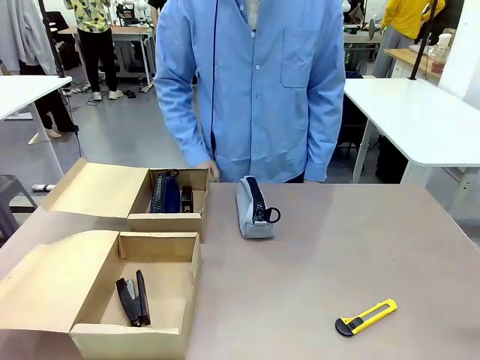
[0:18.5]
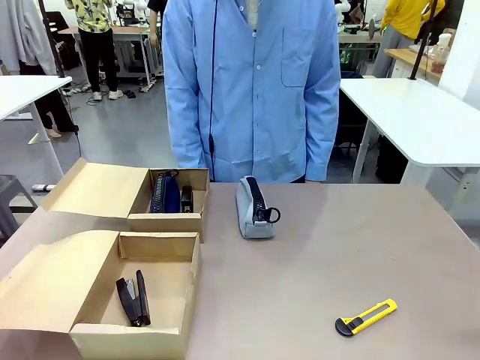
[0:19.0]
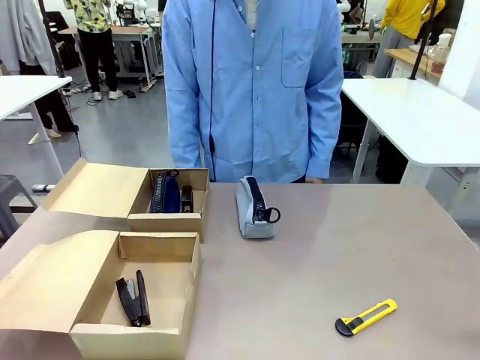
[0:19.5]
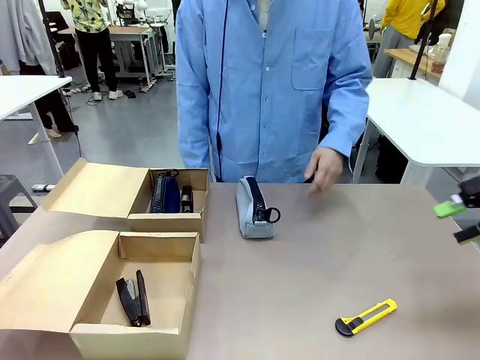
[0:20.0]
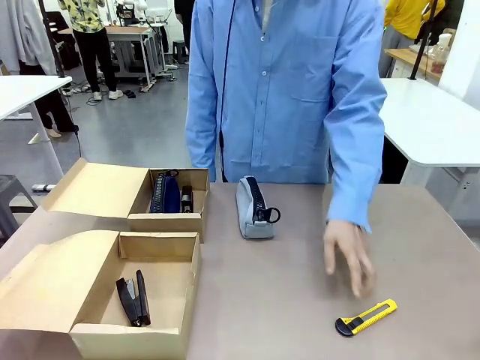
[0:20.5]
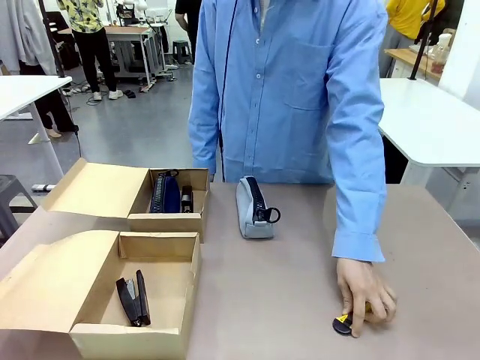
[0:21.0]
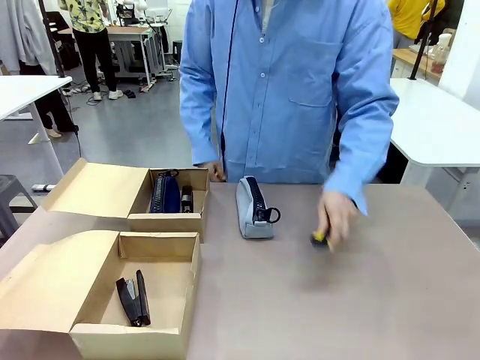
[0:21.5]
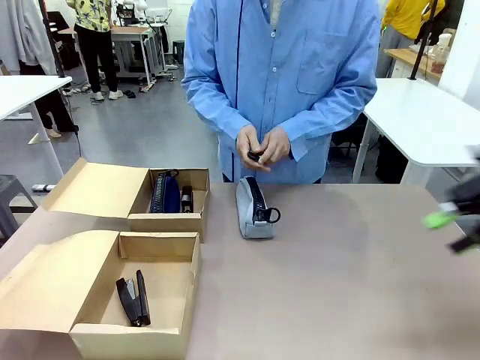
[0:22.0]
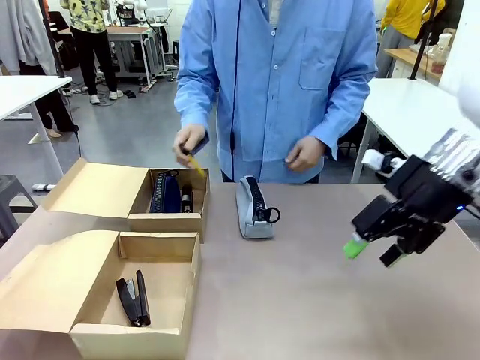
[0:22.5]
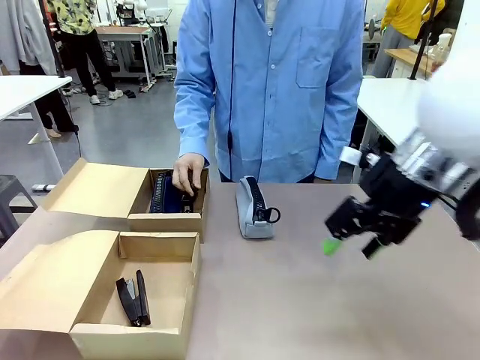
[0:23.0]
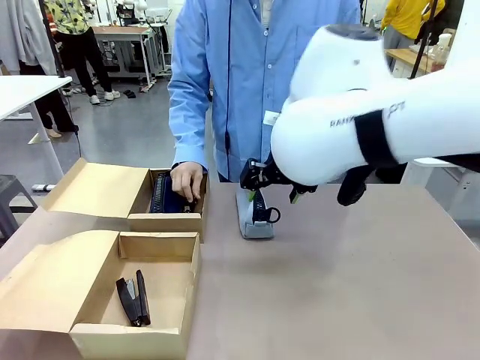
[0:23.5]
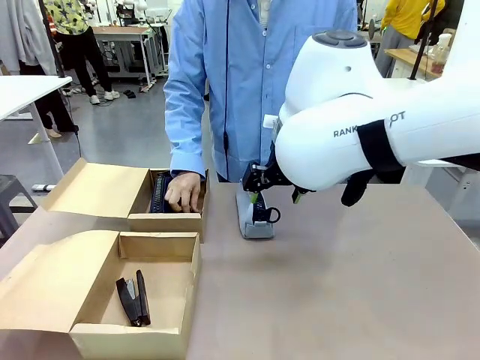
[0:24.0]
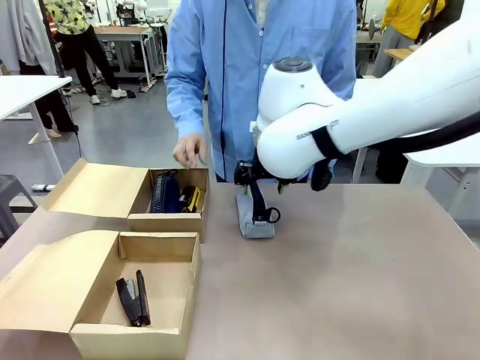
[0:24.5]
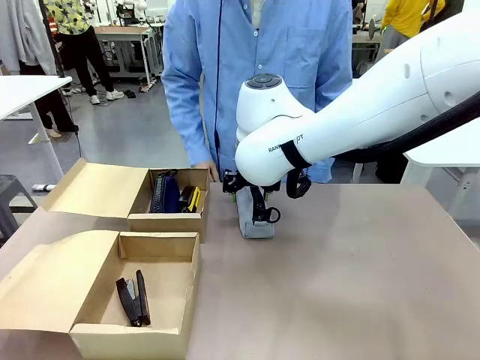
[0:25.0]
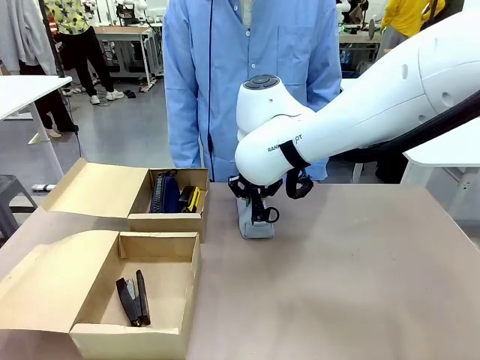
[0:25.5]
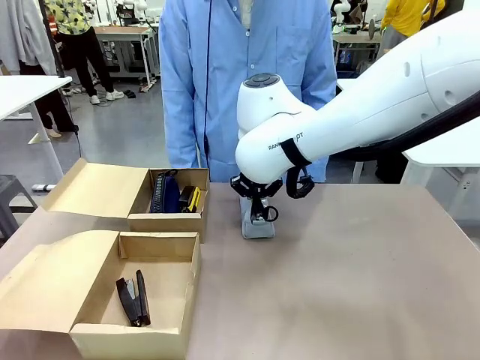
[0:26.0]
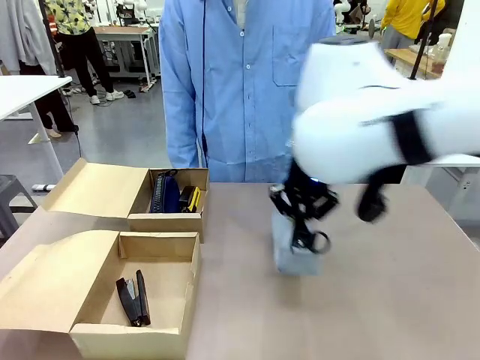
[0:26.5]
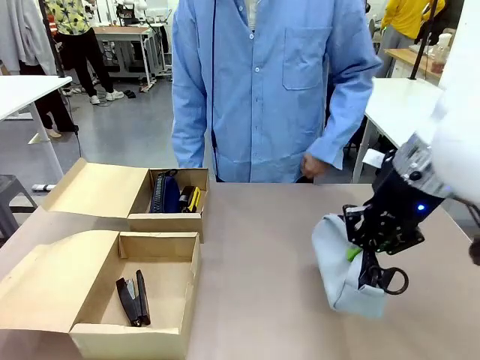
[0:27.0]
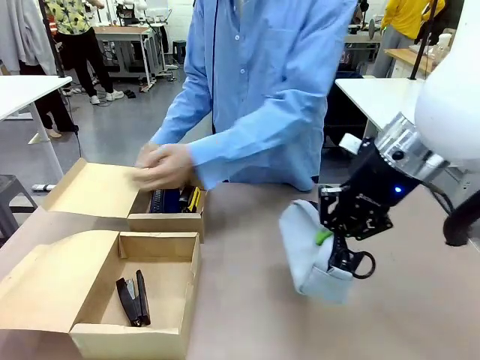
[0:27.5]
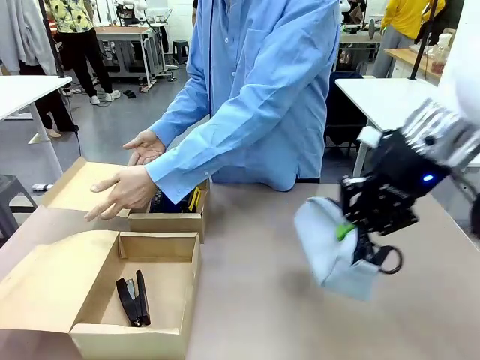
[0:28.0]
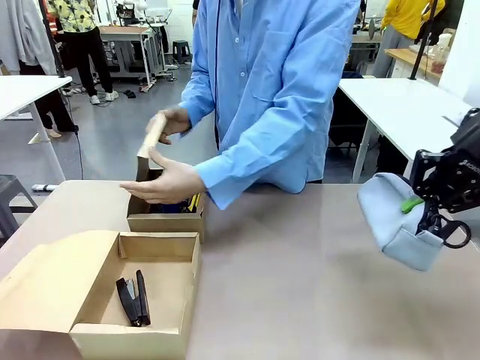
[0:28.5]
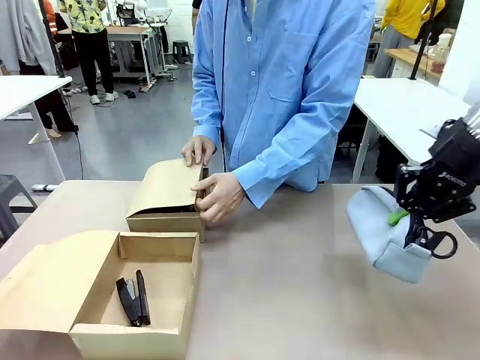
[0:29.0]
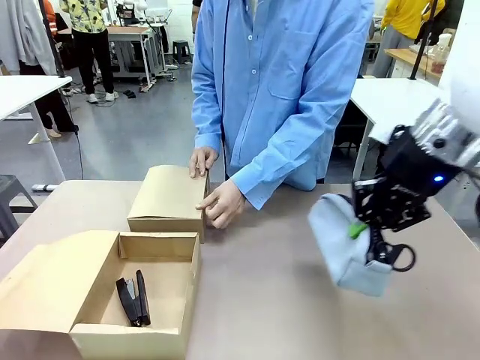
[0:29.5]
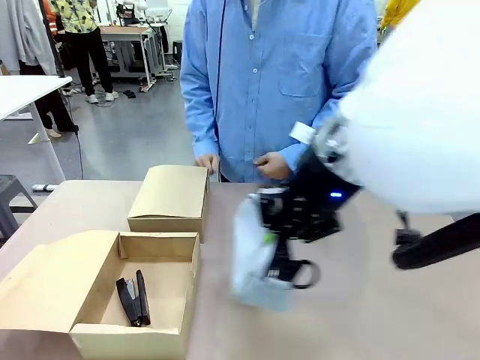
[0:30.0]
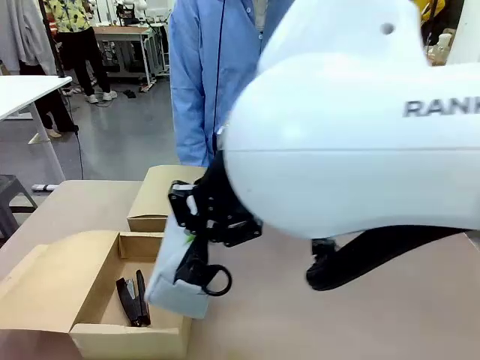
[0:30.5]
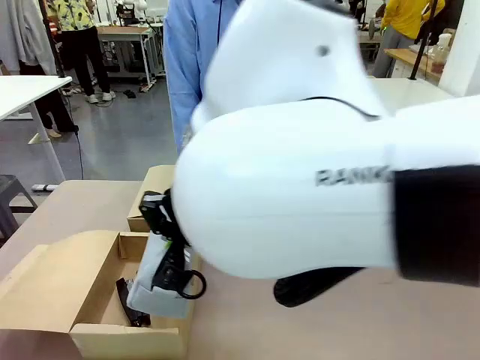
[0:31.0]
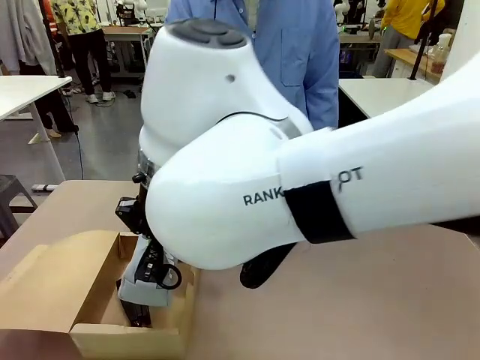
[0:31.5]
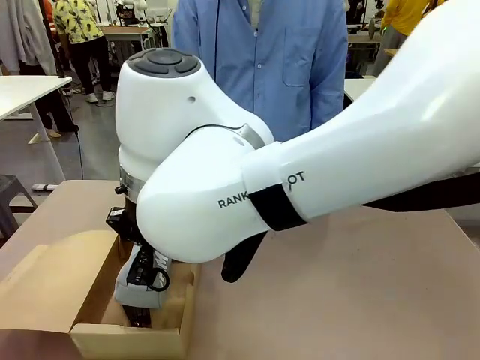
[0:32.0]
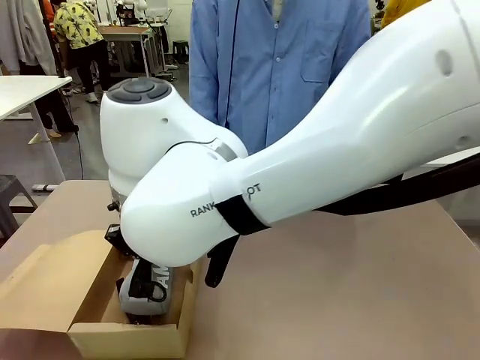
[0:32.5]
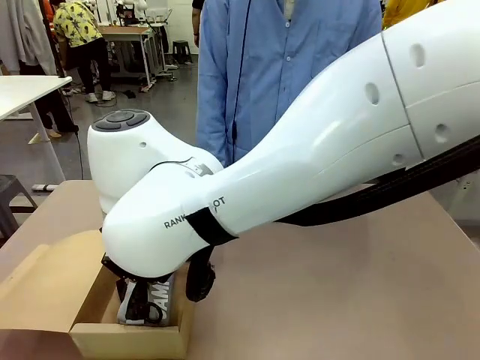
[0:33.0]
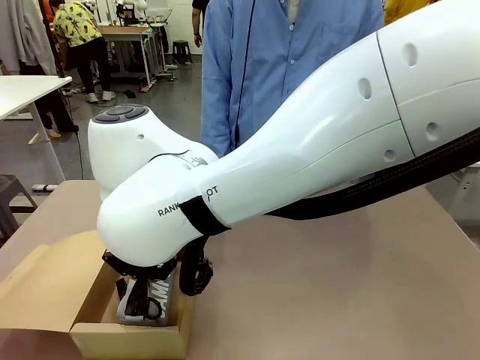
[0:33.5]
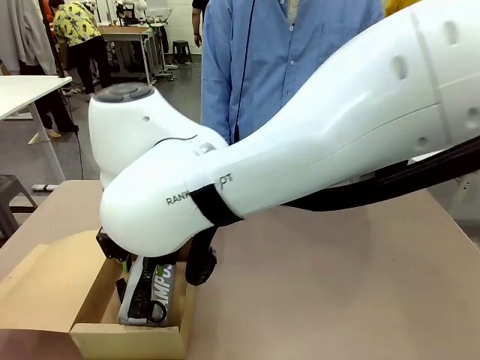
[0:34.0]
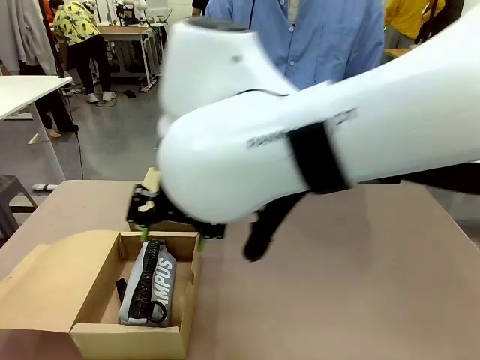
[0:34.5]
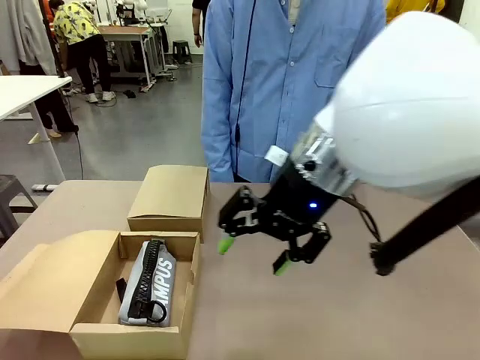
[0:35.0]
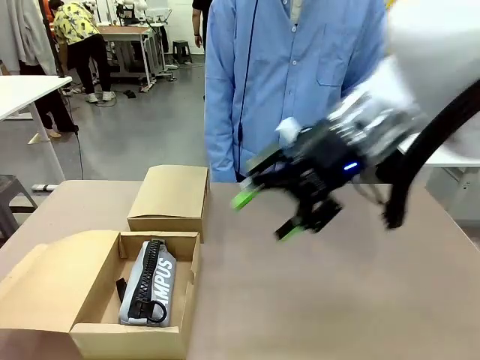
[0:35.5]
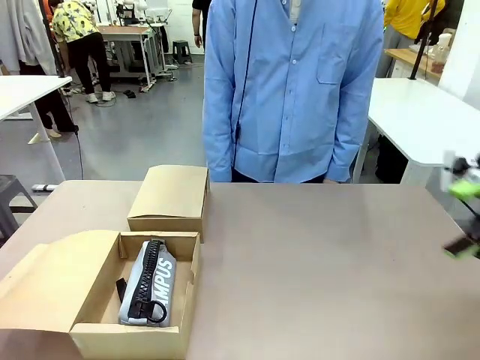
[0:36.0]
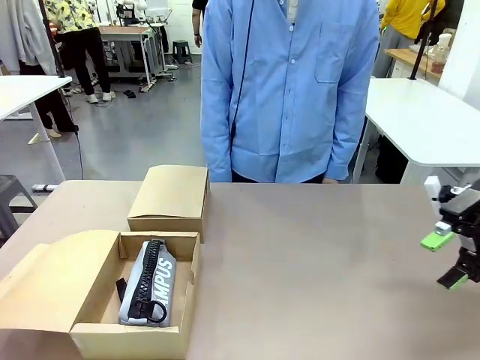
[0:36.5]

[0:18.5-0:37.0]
Task: Place items inside the box.
Robot: Pick up a Pencil pouch or Stapler and place it inside the Mailer Box closest to the robot.
Person: Close the lid of the box facing the person.

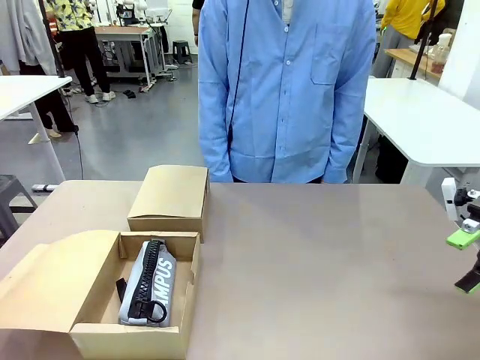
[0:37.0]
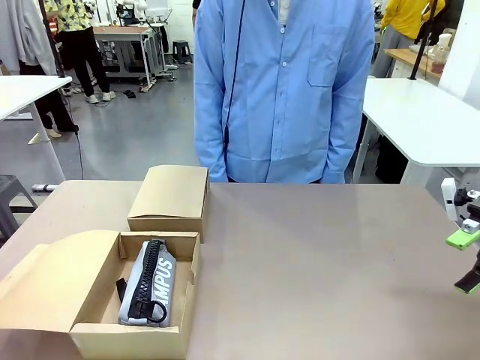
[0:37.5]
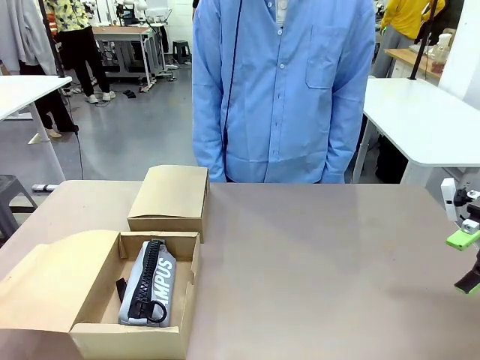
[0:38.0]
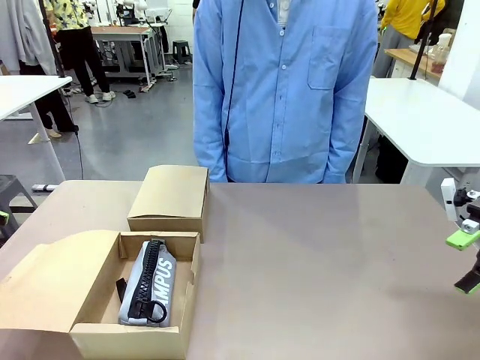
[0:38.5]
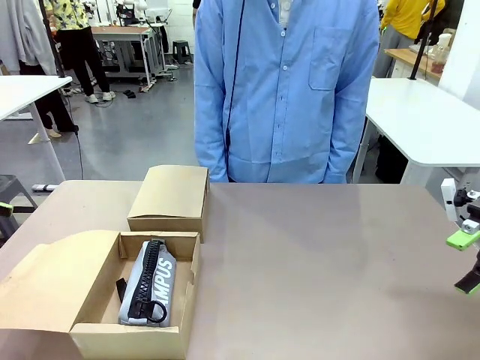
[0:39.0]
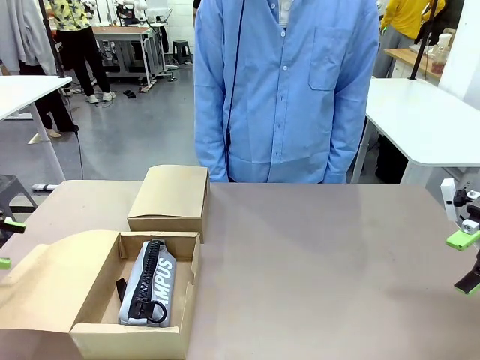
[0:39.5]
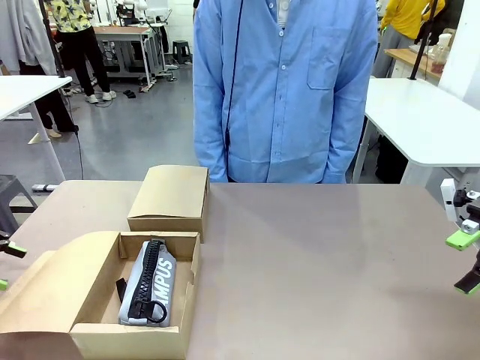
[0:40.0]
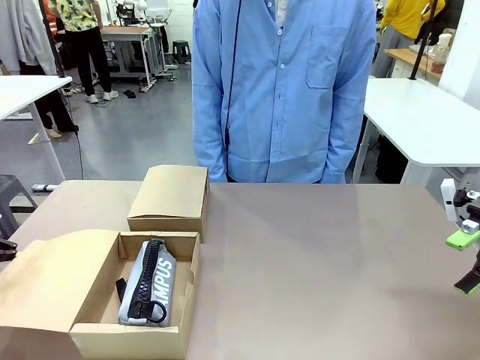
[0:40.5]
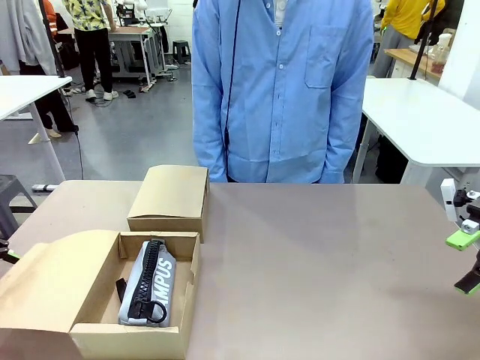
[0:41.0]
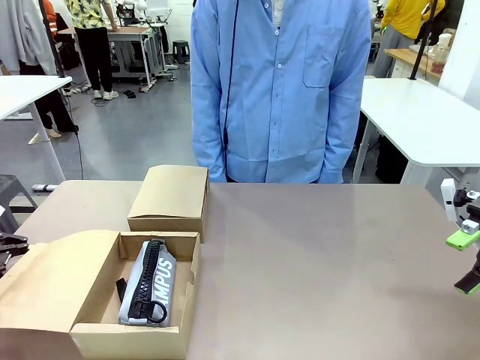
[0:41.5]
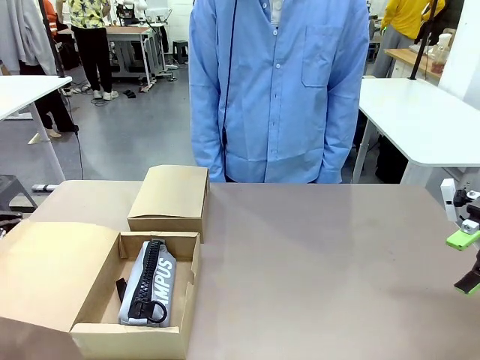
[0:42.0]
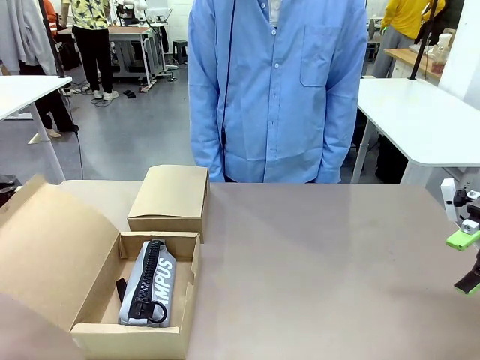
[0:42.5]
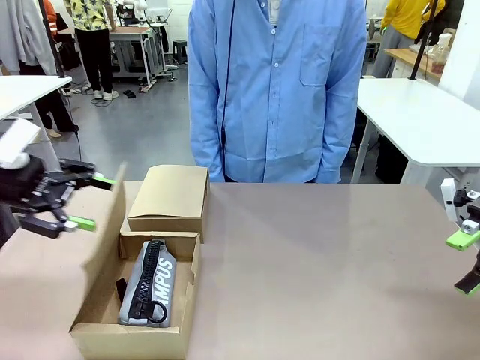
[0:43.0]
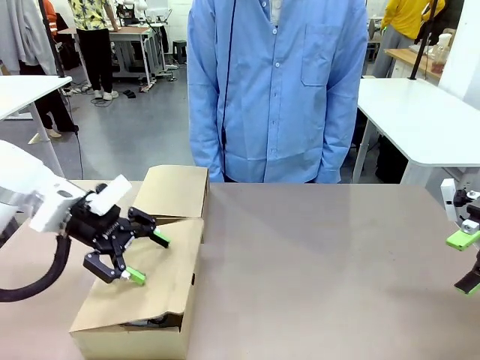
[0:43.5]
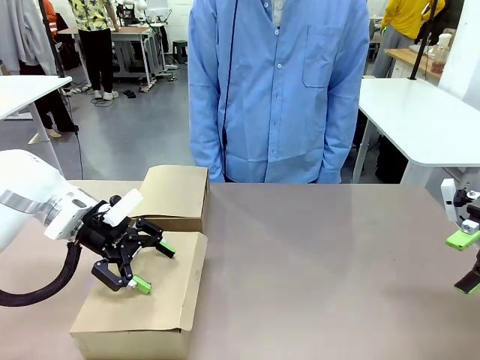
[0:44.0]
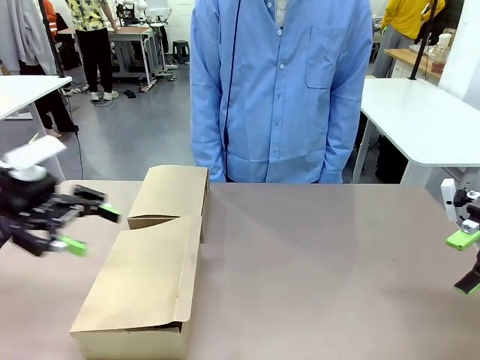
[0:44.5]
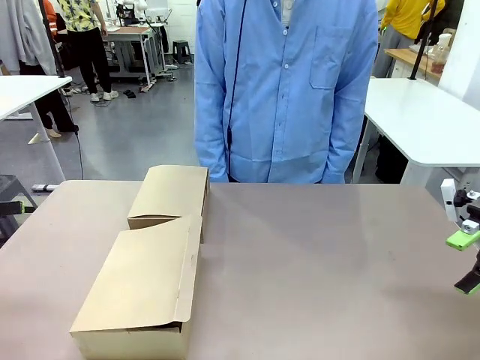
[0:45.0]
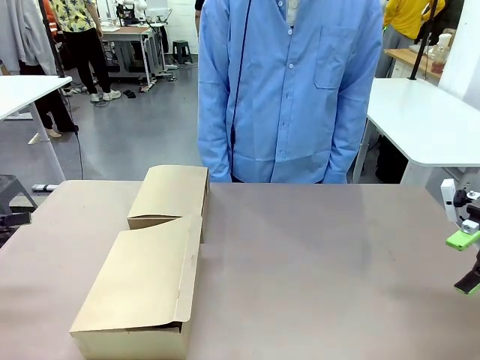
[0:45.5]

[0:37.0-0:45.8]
Robot: Close the lid of the Mailer Box closest to the robot.
